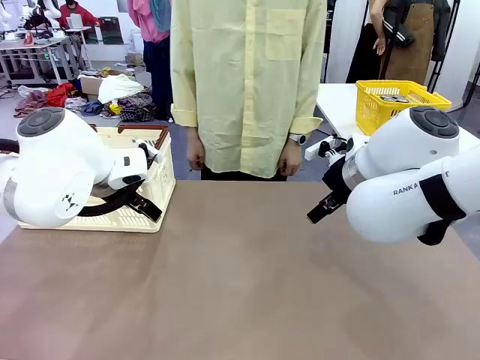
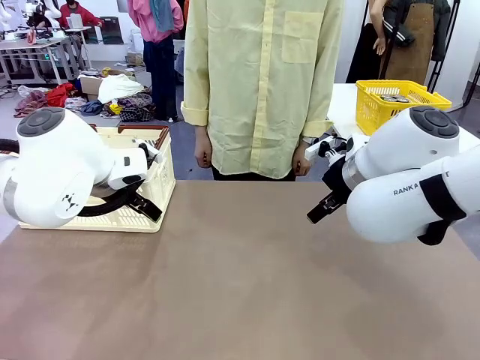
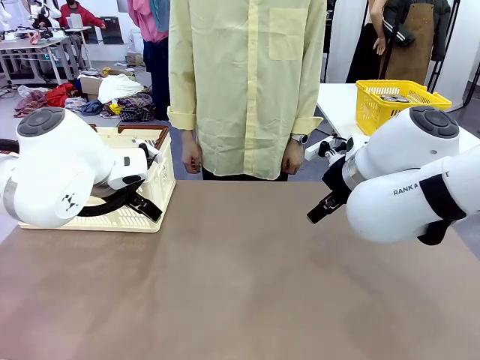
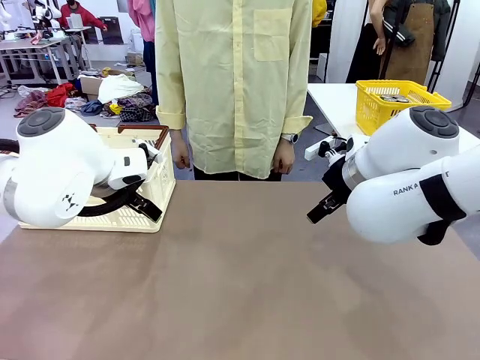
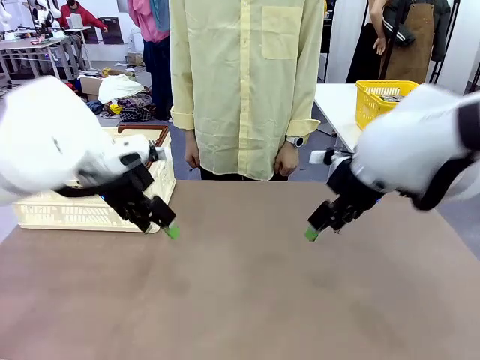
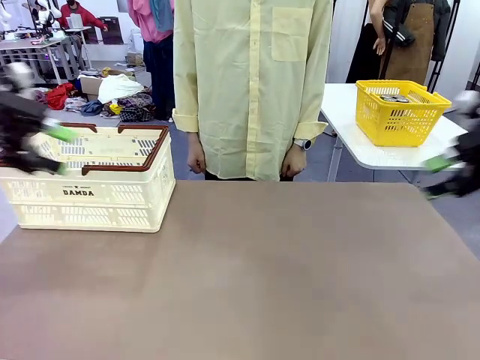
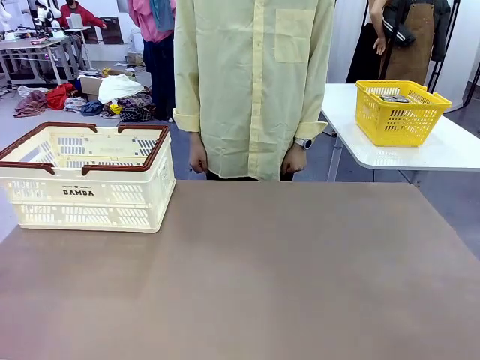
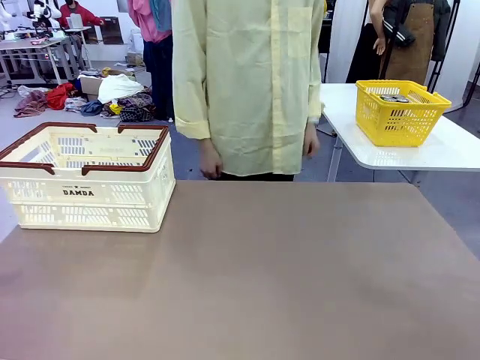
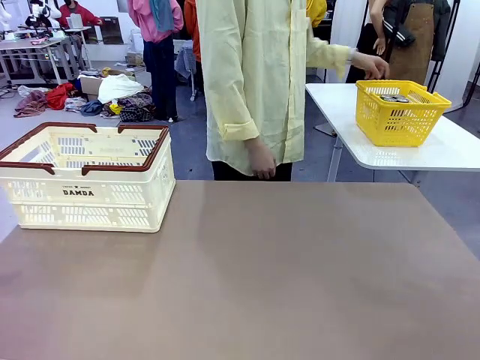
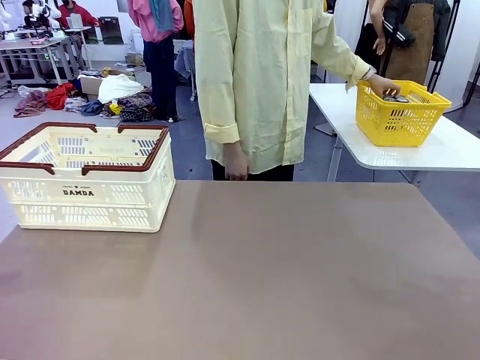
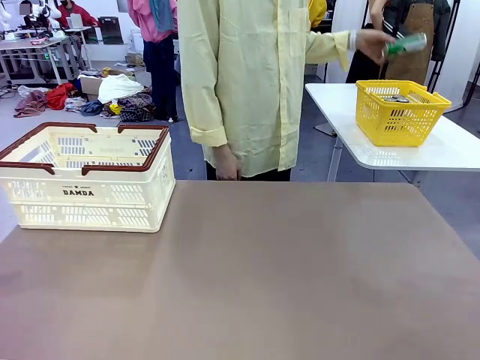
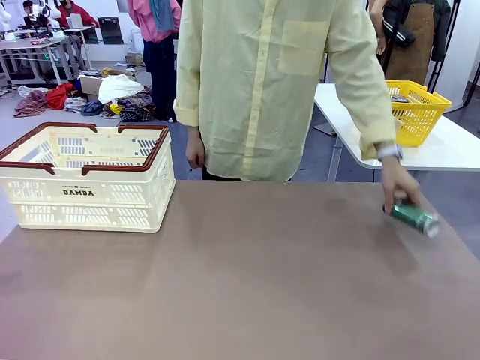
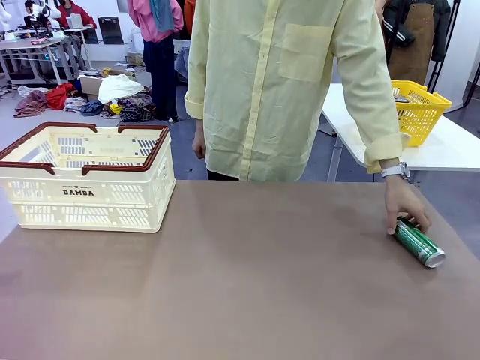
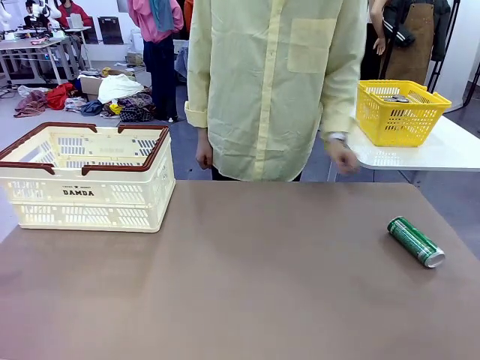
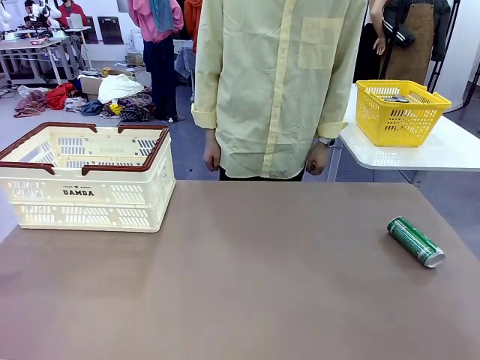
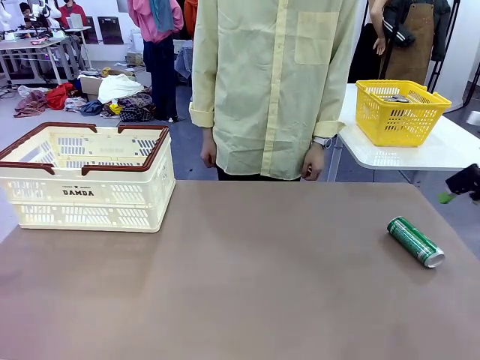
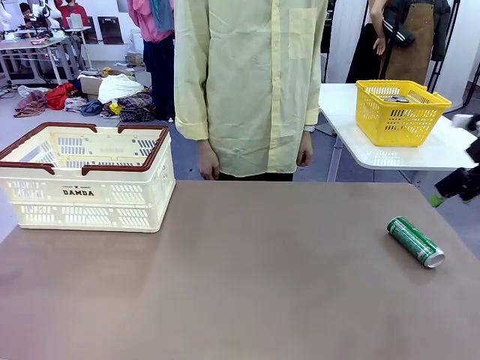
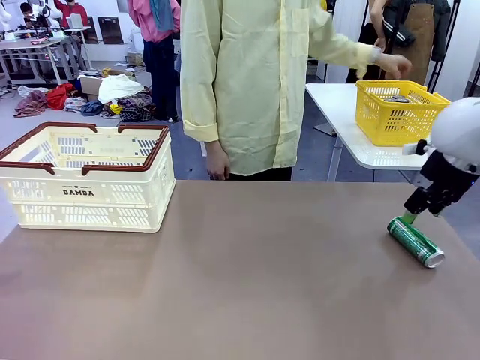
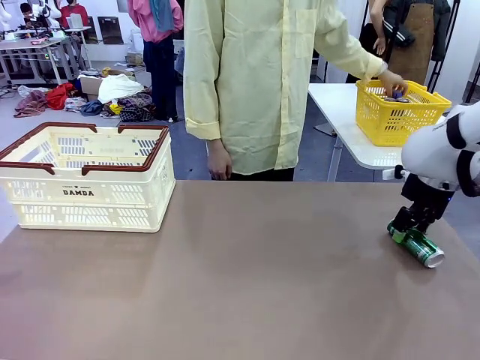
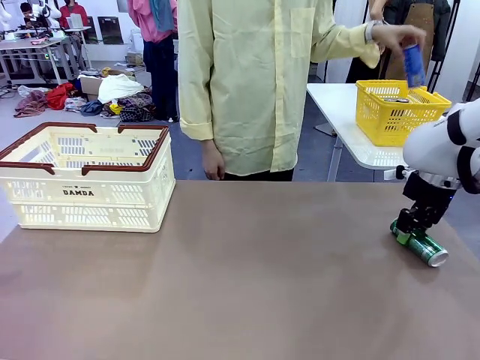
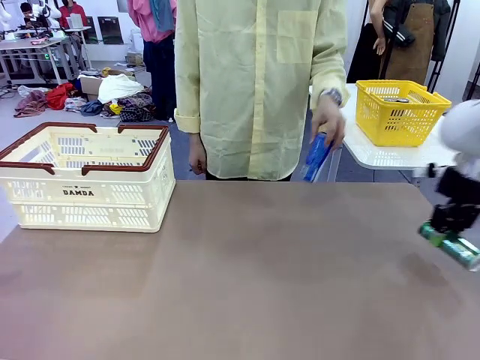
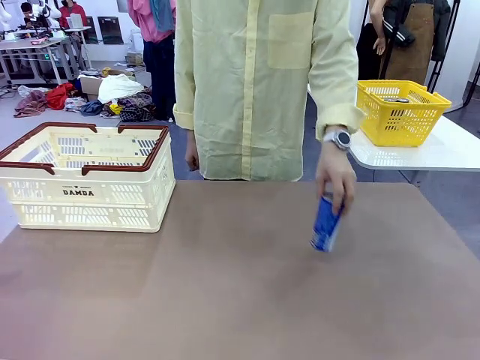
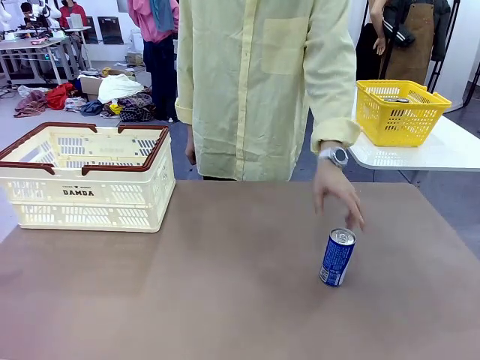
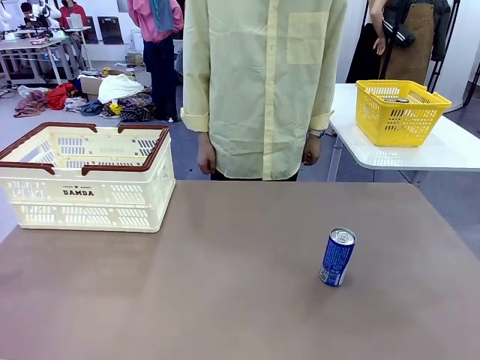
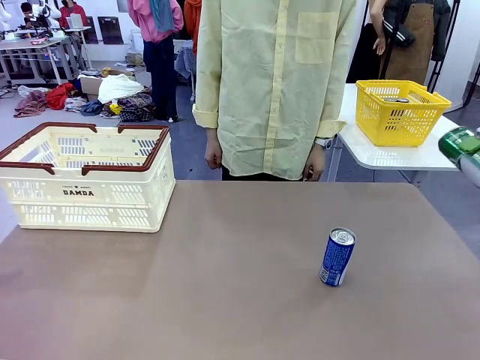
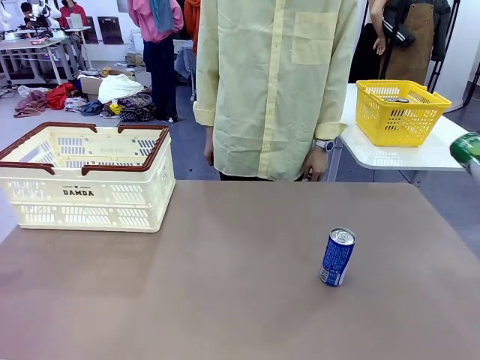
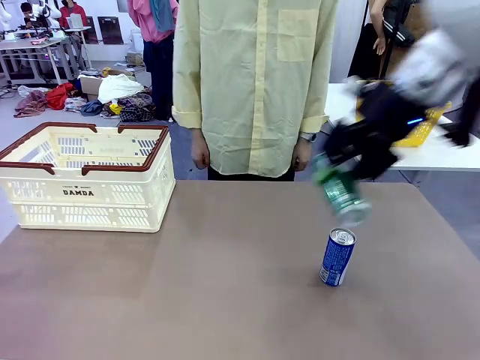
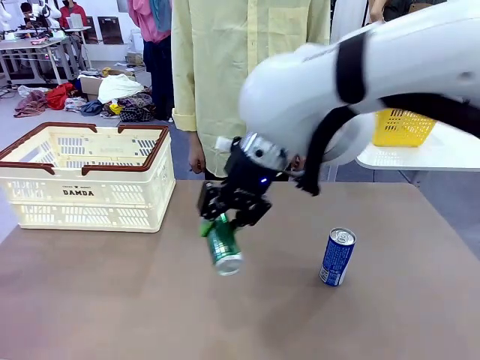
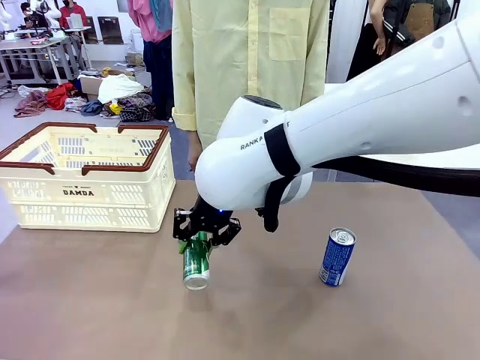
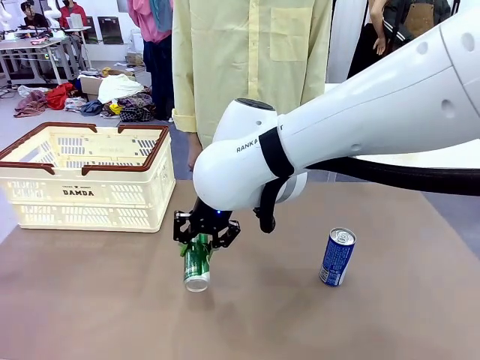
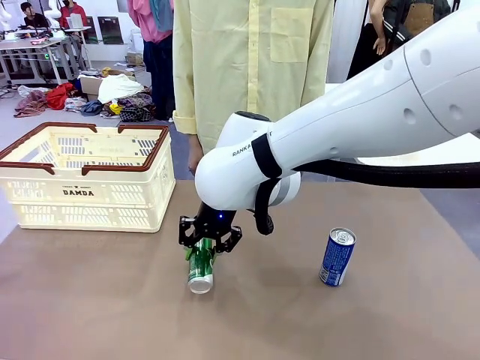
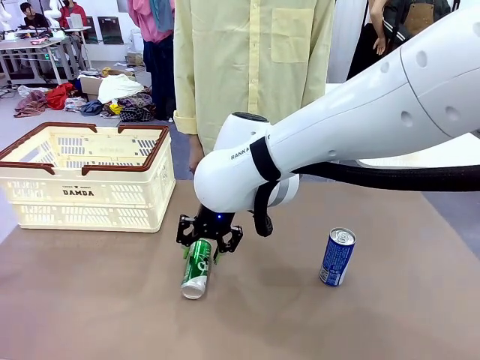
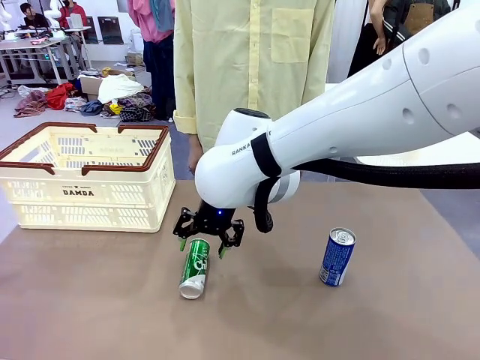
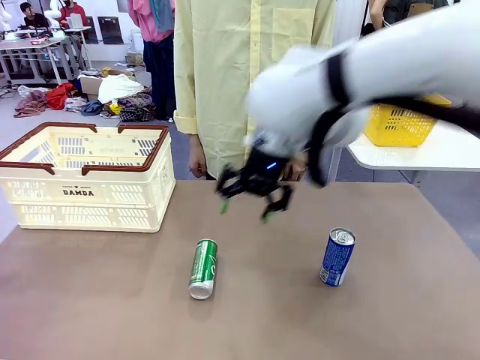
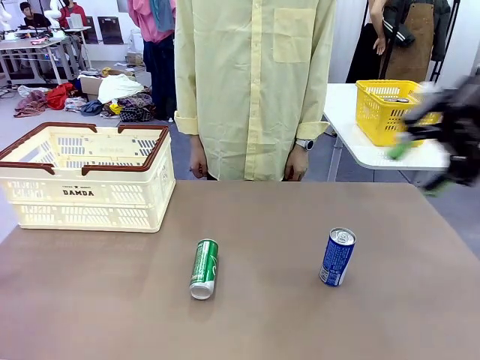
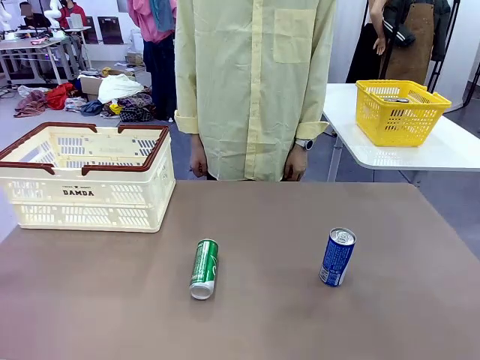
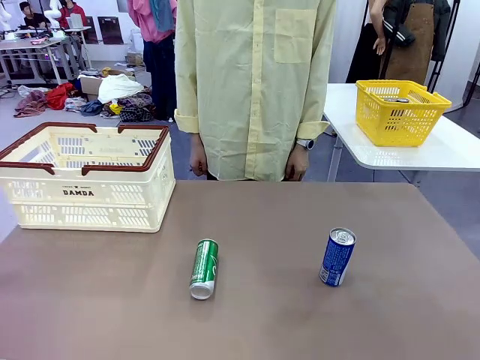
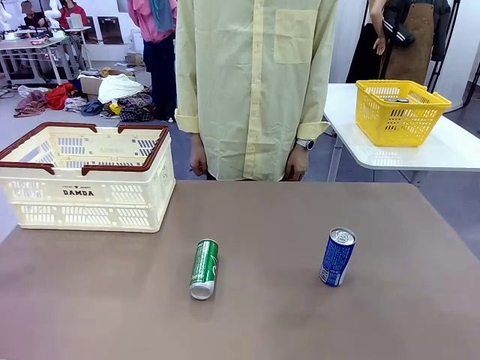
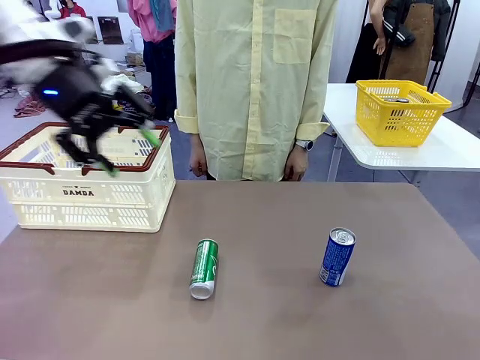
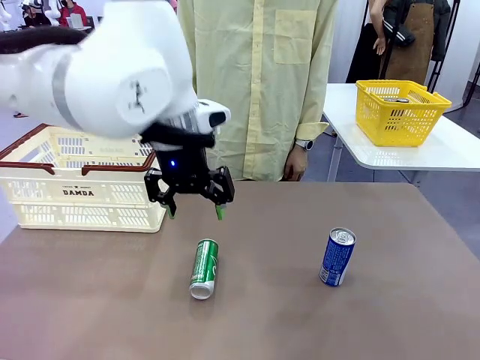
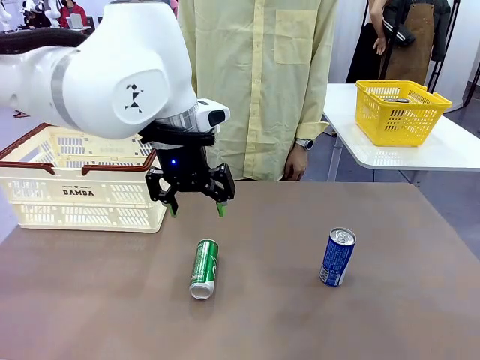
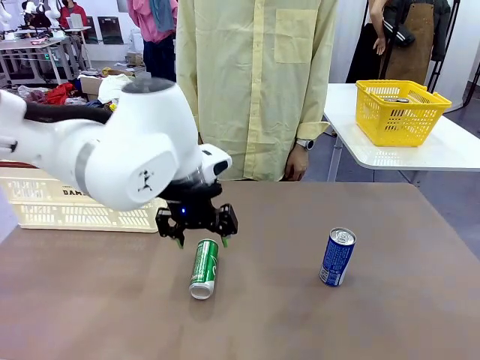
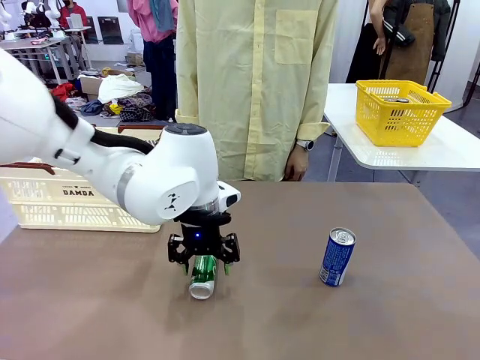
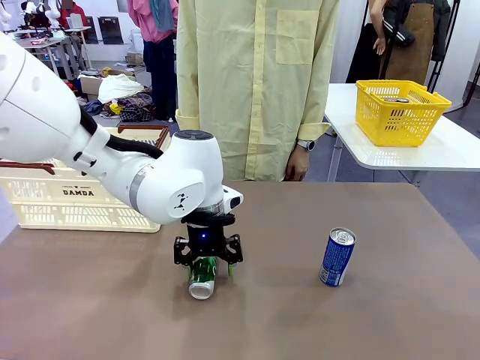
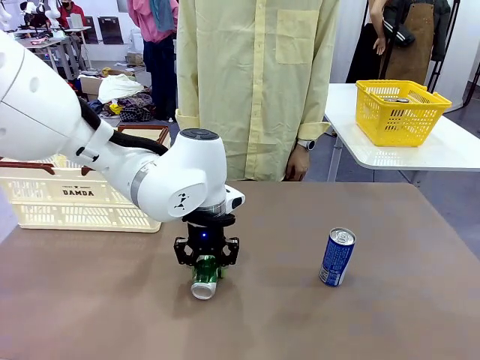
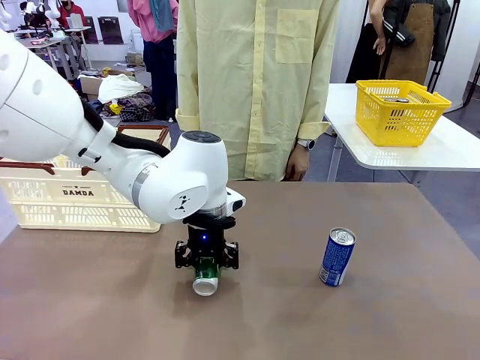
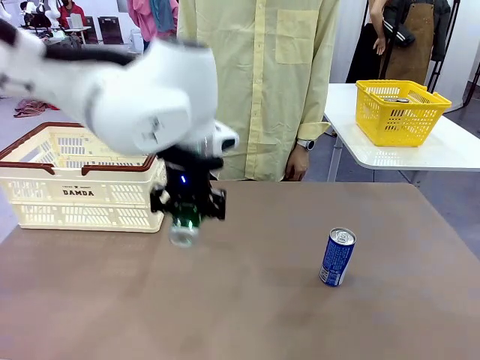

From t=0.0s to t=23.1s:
Task: Place the drinks into the Shopping basket.
Robot: Pick up one drink and place it into the Shopping basket.
